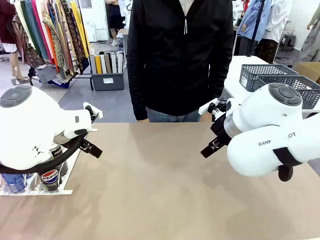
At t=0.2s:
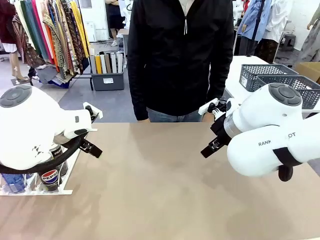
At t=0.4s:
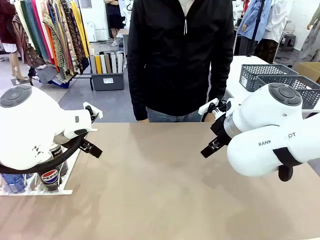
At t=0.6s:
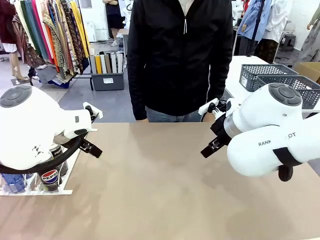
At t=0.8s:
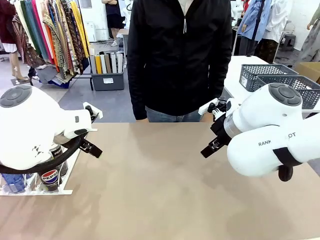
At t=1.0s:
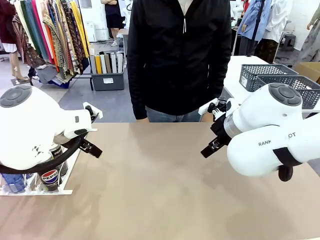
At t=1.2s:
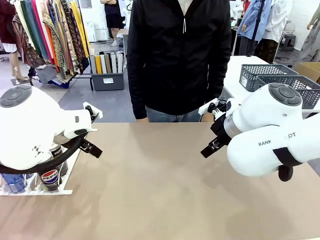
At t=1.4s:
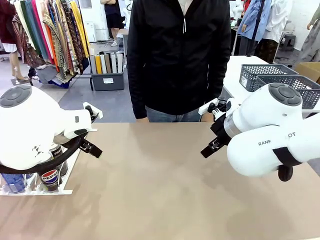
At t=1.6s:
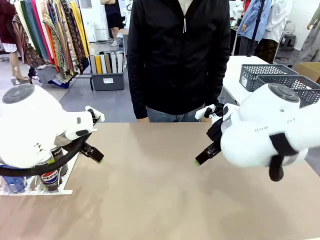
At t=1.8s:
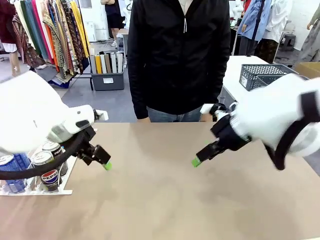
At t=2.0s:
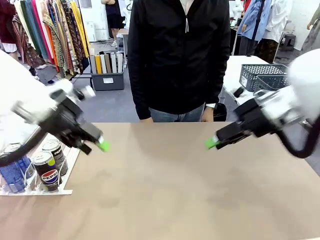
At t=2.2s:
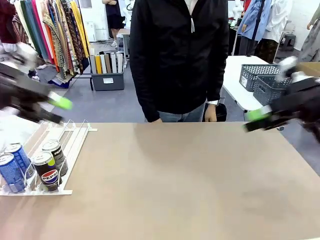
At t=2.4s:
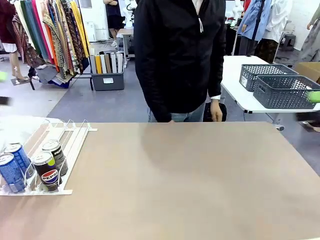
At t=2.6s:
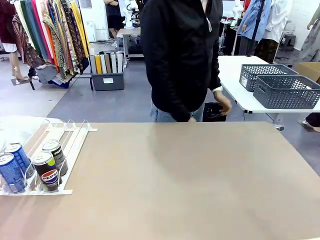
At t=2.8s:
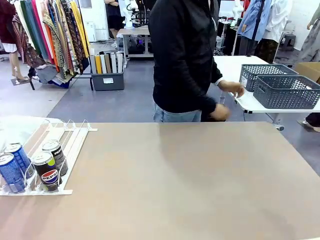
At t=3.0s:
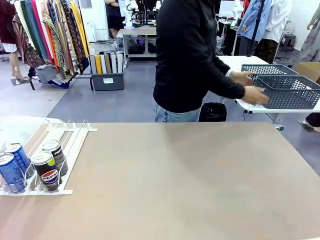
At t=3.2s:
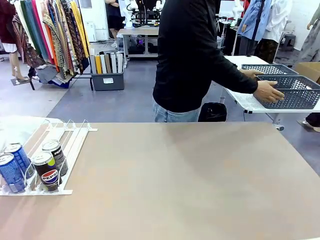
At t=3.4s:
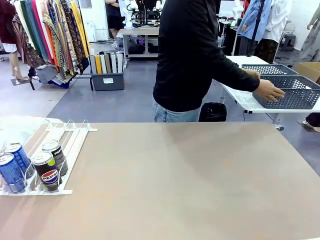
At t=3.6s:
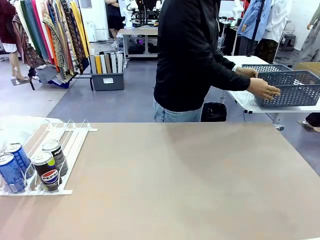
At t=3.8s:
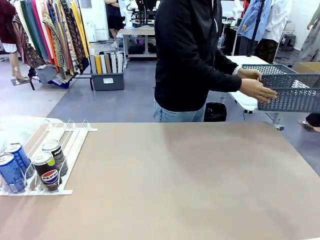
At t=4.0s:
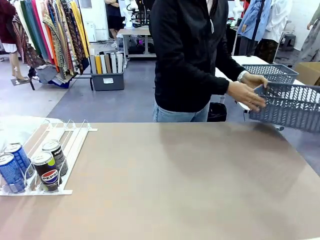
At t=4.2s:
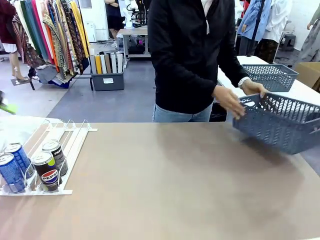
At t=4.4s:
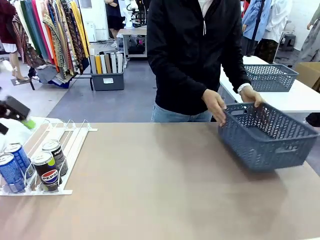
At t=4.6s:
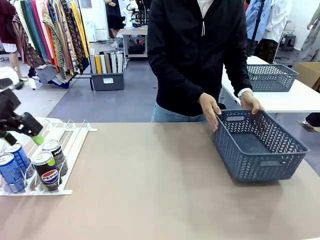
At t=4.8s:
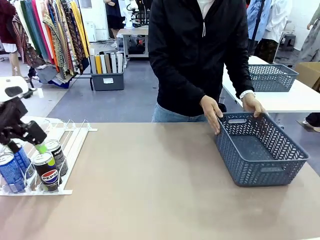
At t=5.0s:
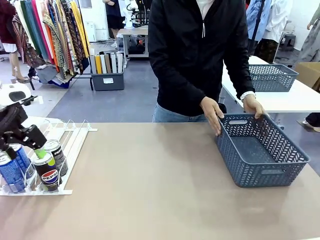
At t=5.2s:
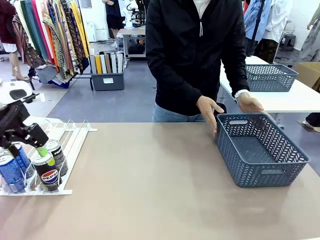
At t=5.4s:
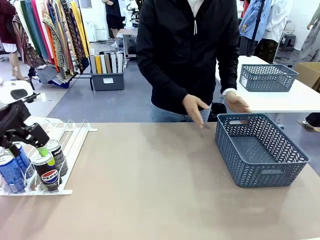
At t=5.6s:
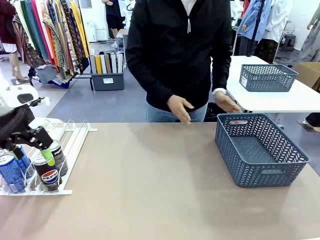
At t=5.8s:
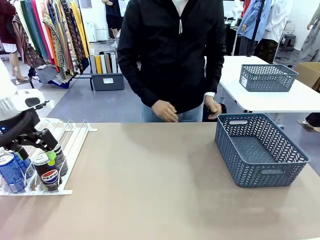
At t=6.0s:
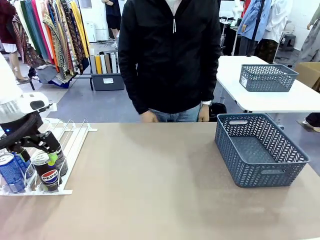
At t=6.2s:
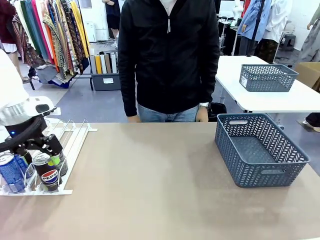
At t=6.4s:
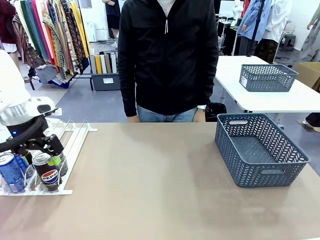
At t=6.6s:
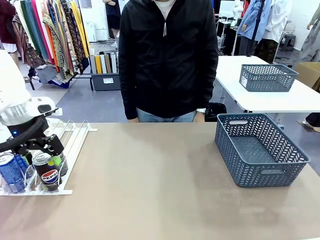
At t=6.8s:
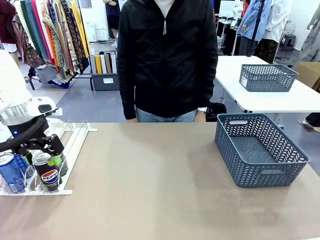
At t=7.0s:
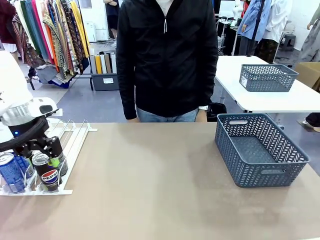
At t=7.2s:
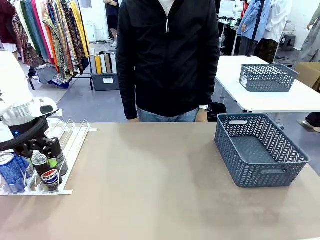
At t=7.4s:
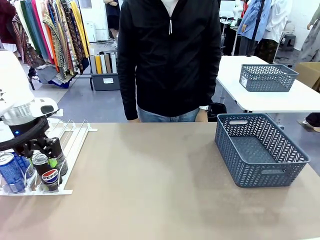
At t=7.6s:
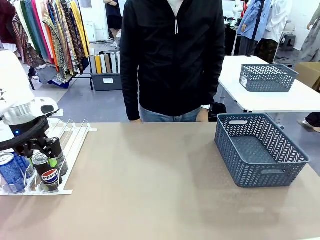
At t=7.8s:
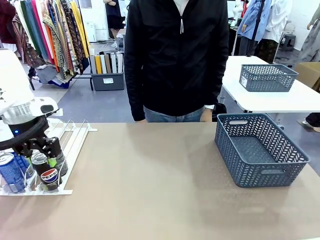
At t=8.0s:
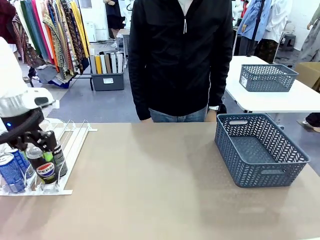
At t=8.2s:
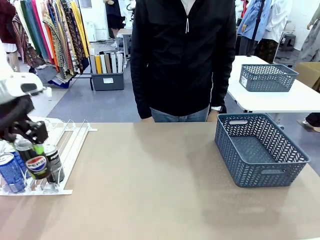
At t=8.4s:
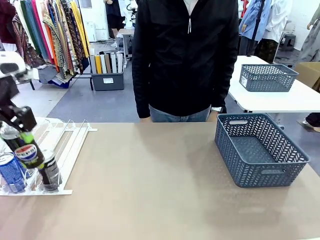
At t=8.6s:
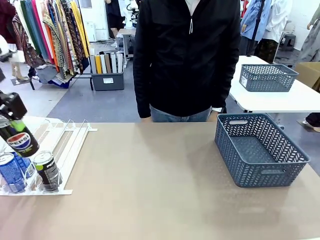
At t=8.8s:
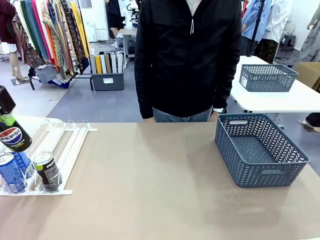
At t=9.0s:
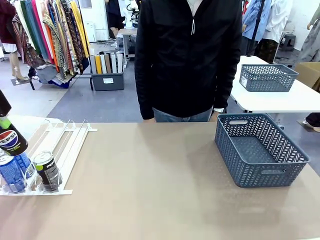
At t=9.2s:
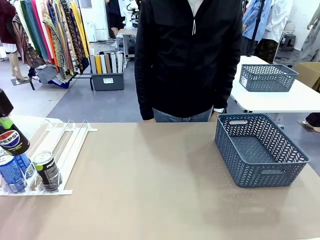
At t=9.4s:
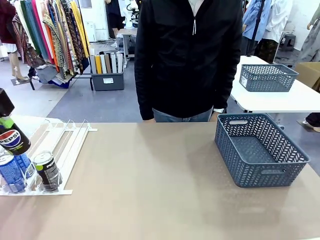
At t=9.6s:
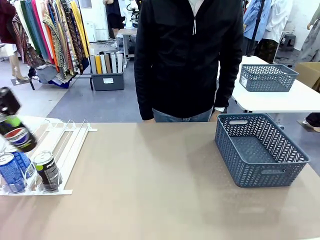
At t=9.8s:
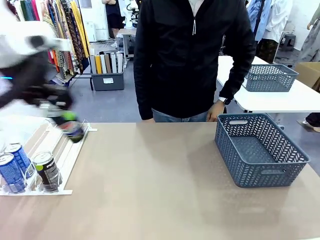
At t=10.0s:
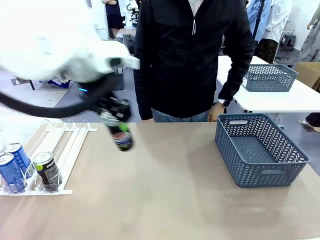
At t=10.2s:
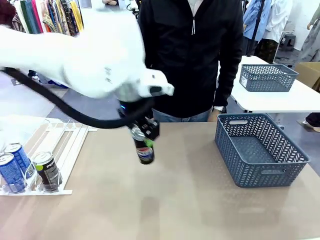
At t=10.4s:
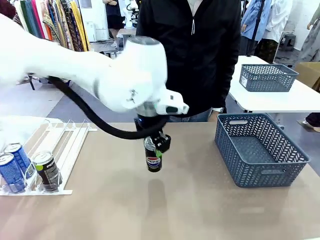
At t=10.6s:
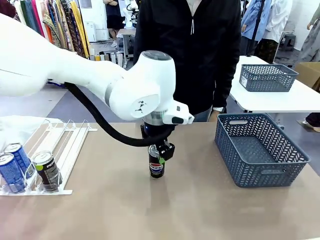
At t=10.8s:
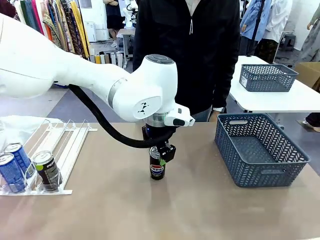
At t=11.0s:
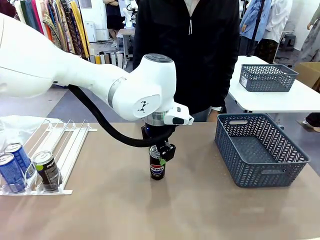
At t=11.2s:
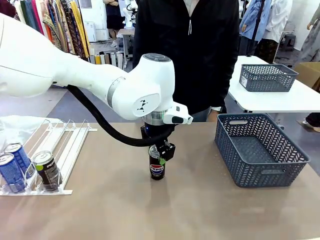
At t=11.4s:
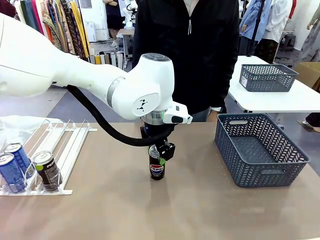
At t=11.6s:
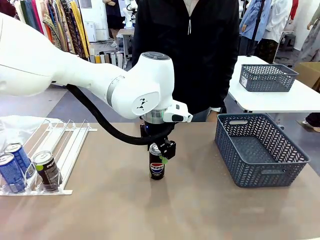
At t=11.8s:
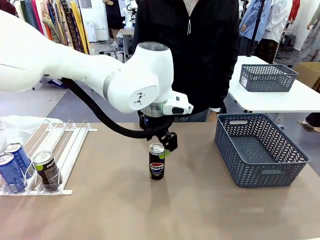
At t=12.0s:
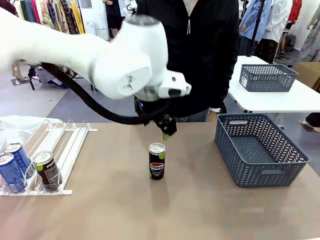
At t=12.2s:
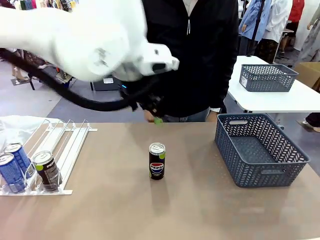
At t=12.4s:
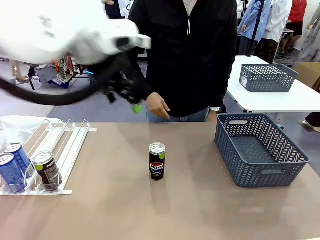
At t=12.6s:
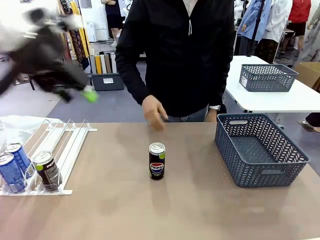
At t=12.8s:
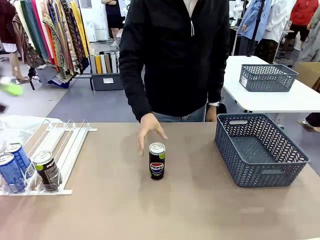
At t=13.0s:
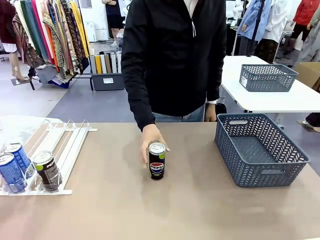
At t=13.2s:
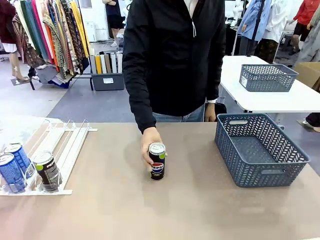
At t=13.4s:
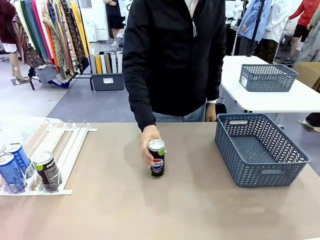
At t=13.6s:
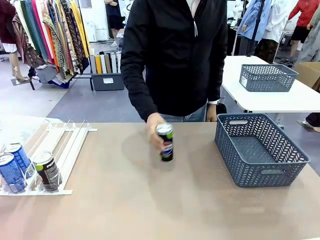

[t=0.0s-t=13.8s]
Task: Retrieve and store the cans from the dispenser.
Robot: Pick up one can from the Automatic Can Dispenser and place it in the middle of the table.
Person: Pick up the basket and place it on the left side of the robot table.

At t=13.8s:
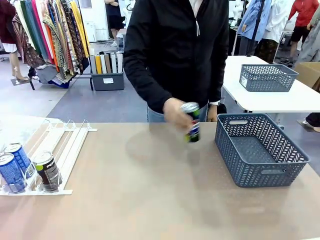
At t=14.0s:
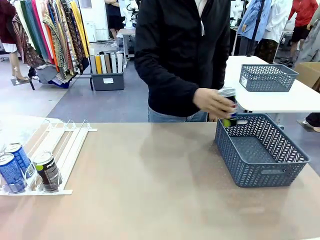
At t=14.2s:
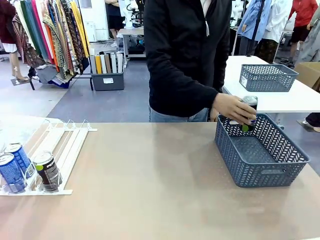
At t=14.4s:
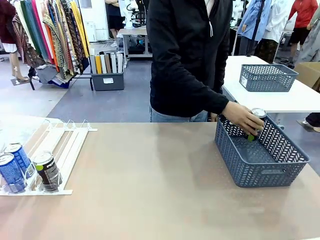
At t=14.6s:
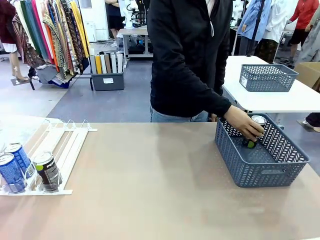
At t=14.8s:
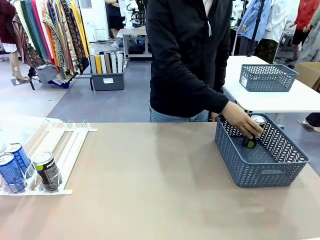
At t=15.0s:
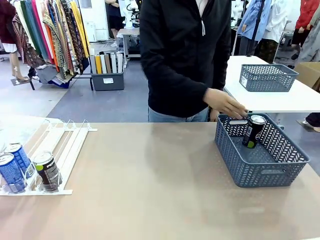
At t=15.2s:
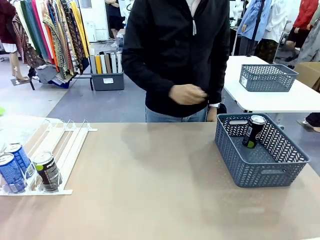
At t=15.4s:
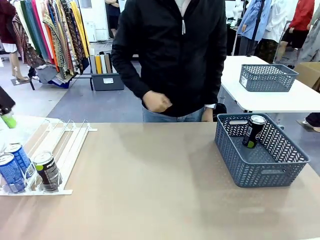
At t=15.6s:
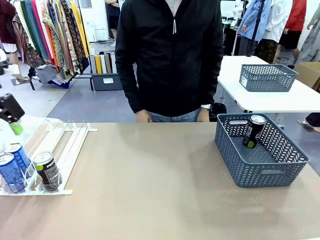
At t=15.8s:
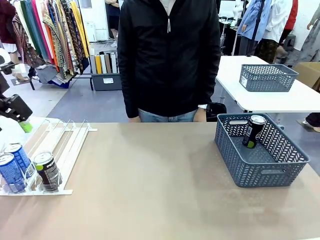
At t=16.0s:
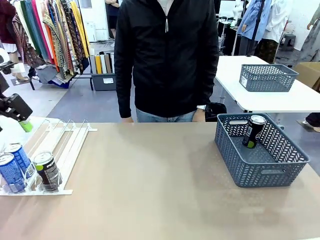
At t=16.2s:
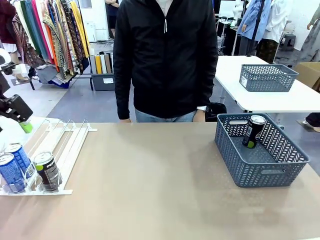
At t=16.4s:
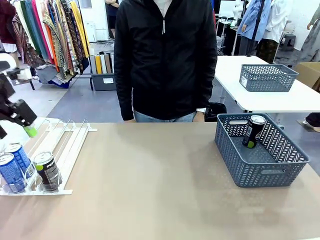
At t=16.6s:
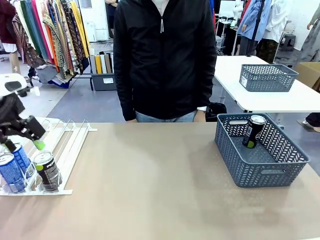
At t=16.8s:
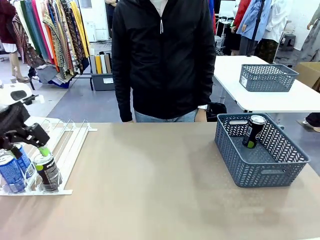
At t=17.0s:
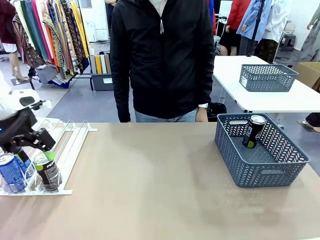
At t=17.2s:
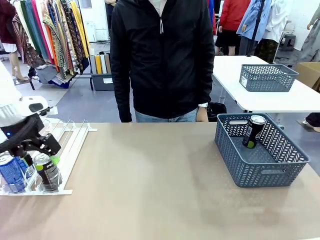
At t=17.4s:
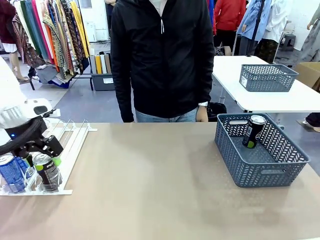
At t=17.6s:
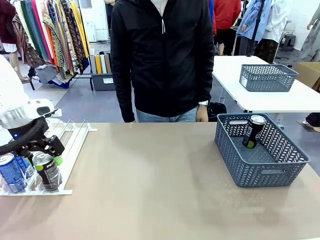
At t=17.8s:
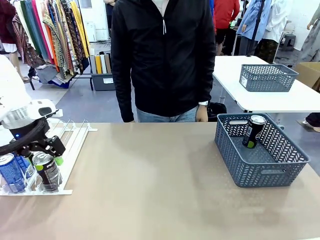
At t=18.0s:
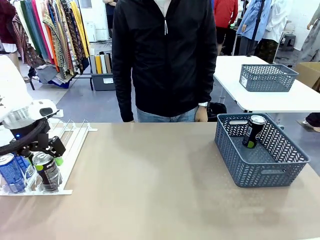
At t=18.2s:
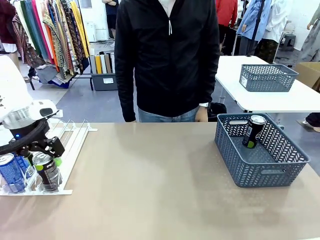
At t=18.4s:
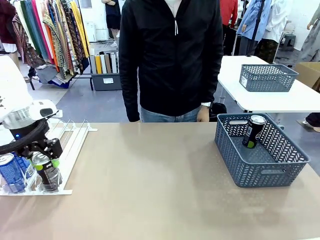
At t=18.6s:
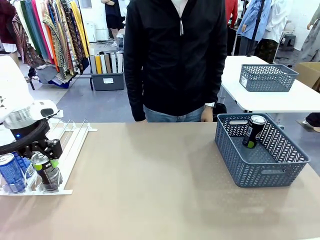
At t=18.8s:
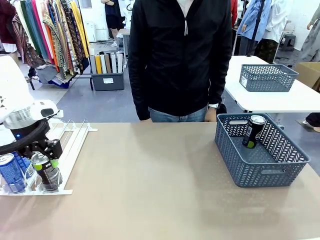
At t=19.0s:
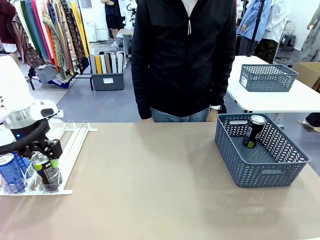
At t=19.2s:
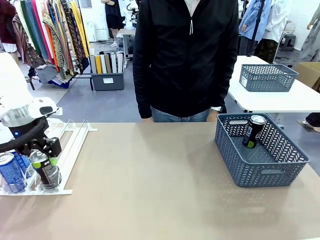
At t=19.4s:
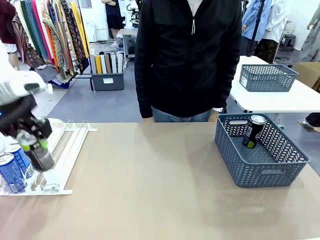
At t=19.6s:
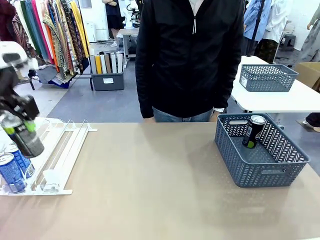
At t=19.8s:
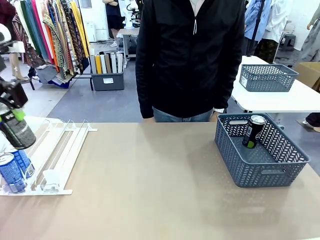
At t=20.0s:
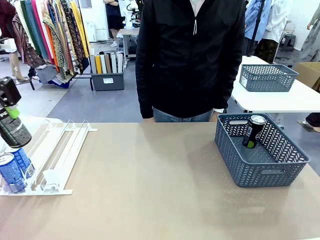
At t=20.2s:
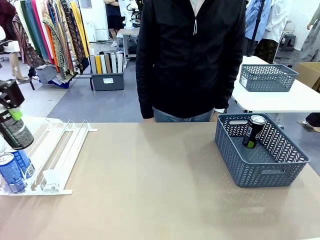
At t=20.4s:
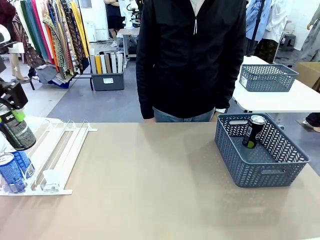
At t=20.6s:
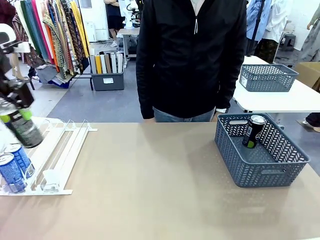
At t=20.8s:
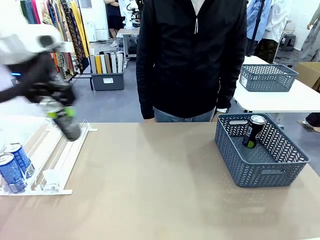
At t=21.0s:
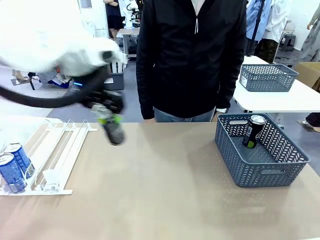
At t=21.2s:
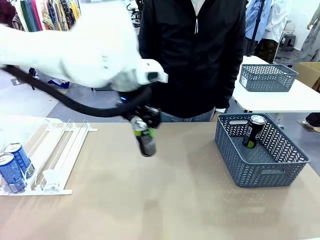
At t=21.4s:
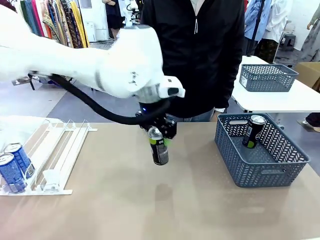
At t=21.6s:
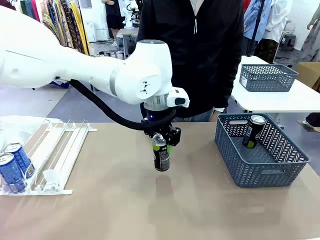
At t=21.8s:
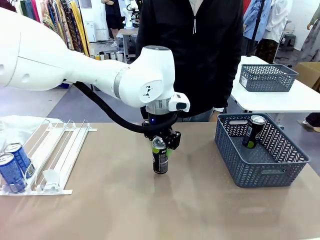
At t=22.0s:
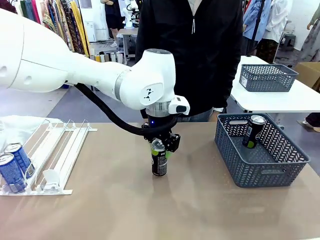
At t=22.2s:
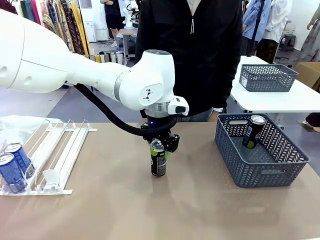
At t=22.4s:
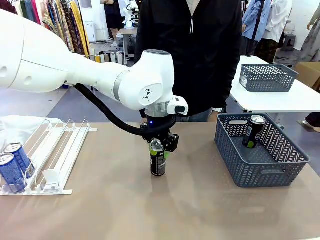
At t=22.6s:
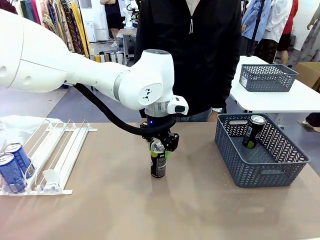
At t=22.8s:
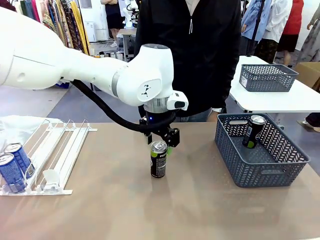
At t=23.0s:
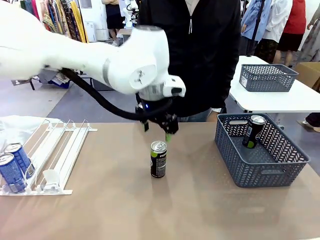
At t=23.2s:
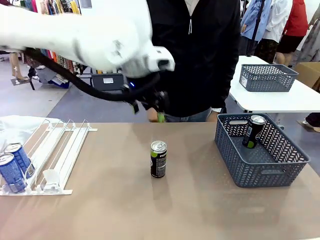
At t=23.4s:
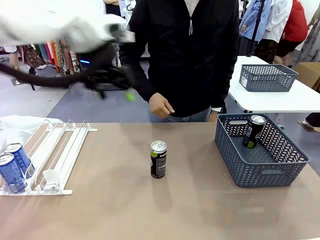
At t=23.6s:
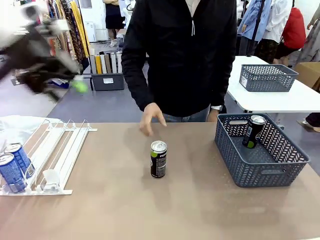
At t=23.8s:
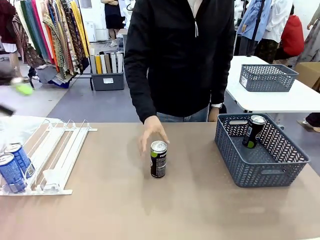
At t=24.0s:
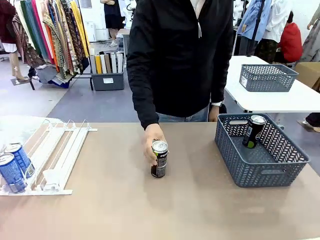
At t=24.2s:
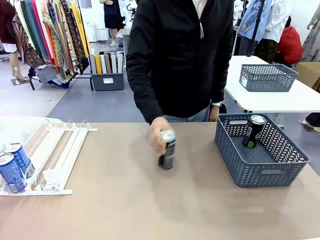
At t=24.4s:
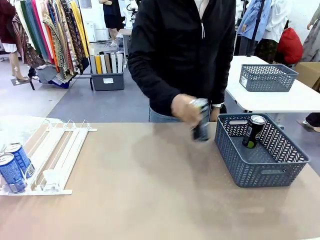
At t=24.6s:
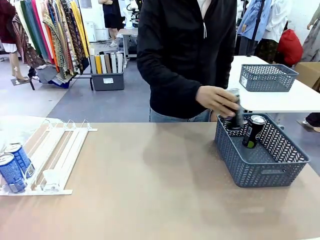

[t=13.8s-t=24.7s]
Robot: Pick up the last remaining can from one row of the Automatic Can Dispenser and place it in the middle of the table.
Person: Pick up one Pepsi can from the middle of the robot table and place it in the basket.
